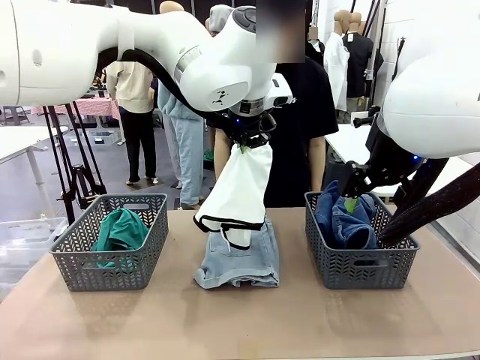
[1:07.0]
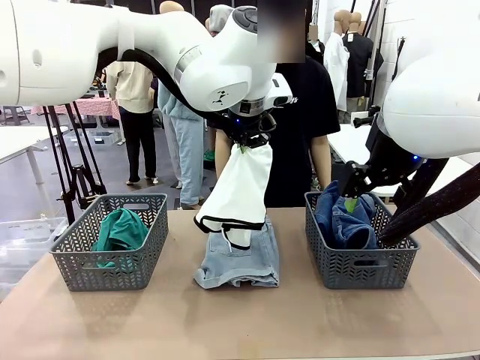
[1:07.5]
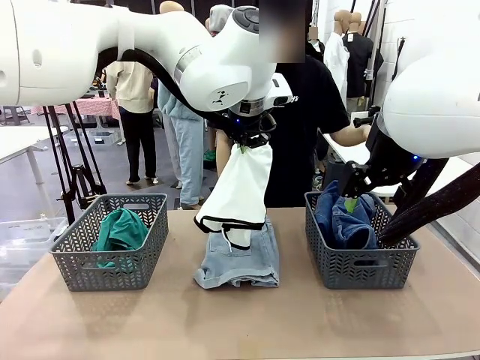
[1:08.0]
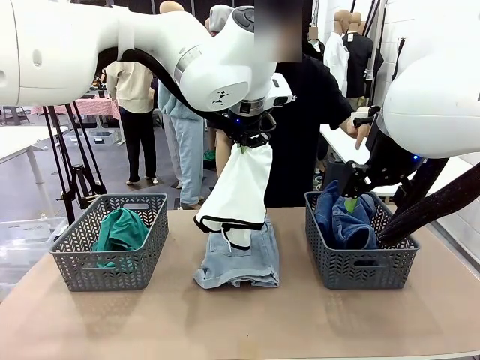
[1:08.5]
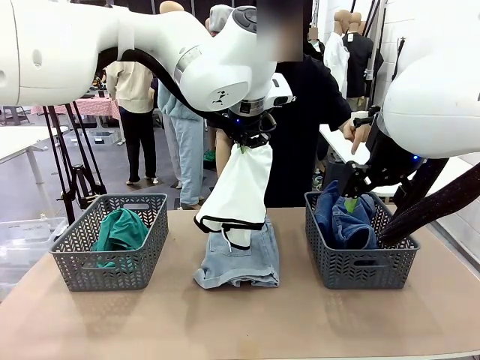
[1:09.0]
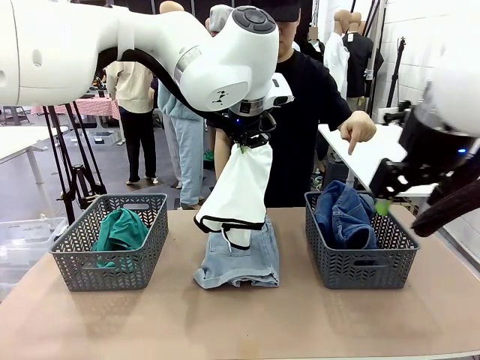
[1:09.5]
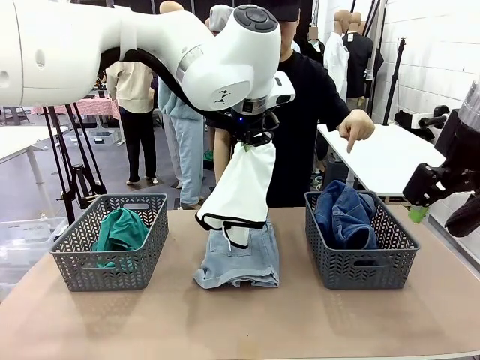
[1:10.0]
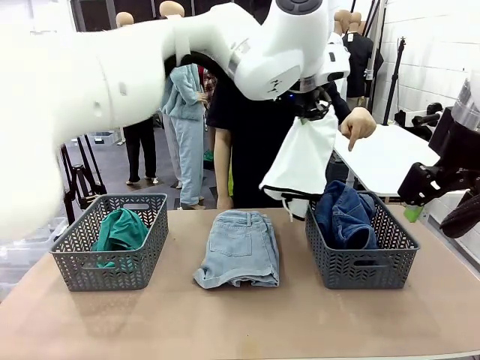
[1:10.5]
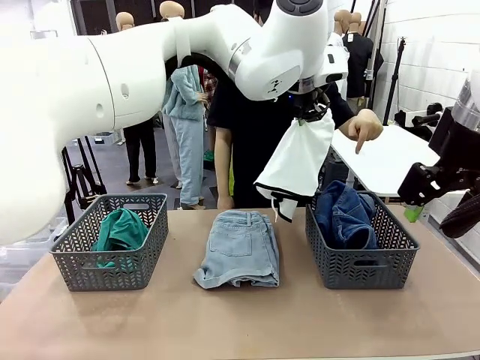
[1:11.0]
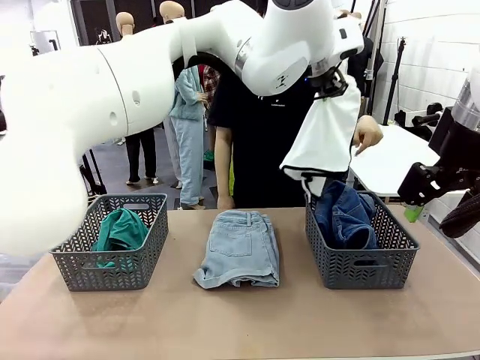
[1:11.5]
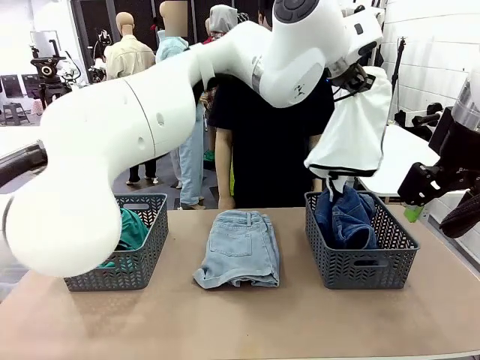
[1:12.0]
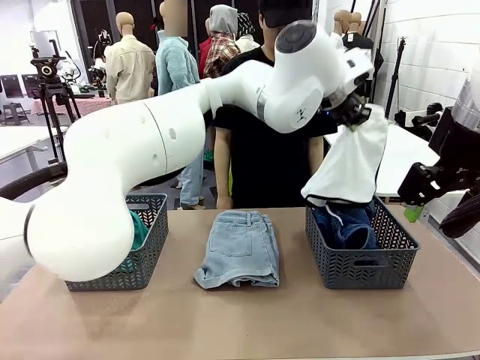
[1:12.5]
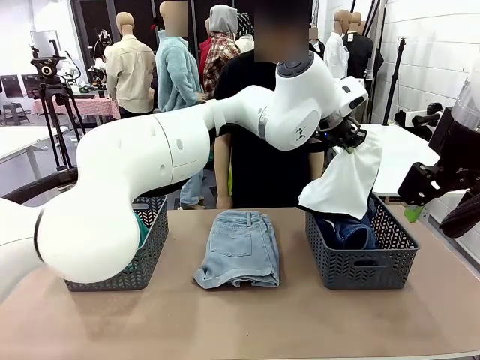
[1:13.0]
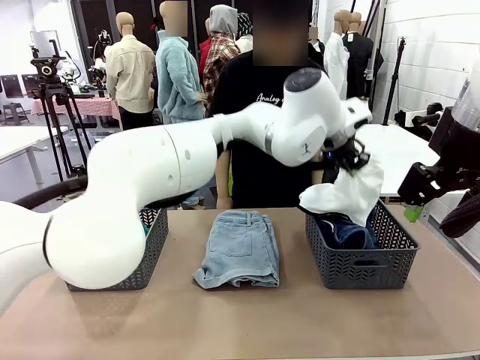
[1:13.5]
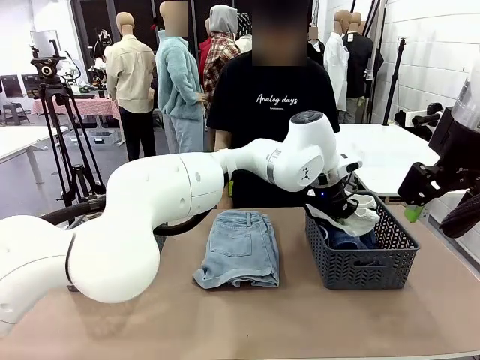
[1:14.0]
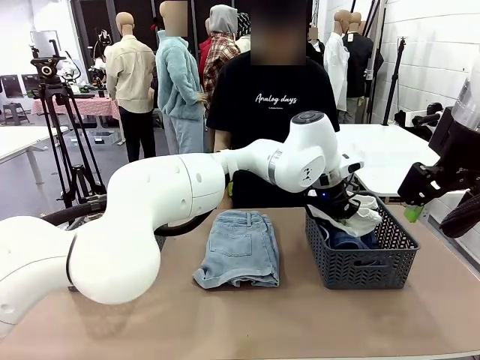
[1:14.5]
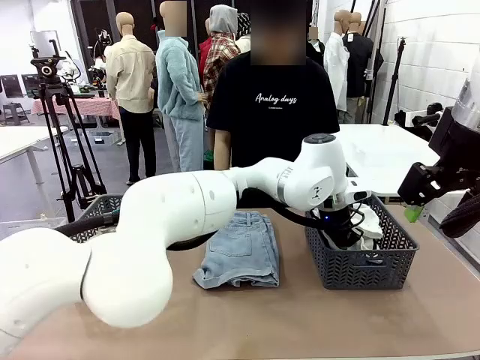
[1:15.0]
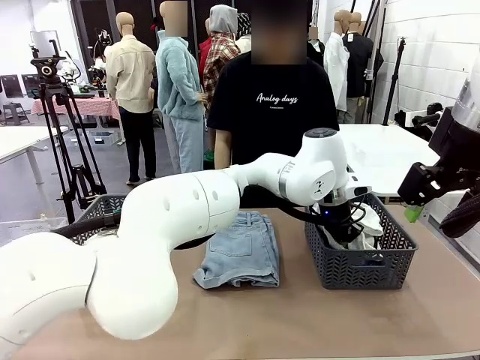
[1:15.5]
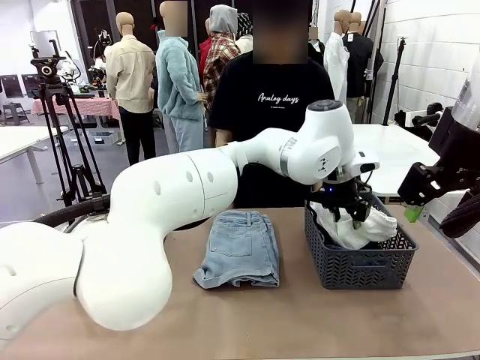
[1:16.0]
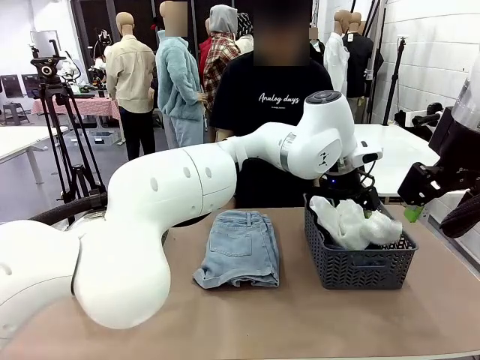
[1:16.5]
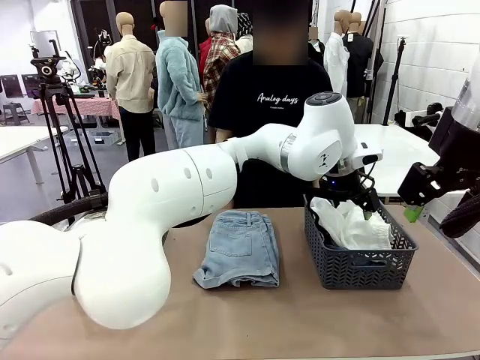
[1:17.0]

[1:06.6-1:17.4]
Task: Sort the tops and bottoms.
Robot: Sort the clothes according to human instructions.

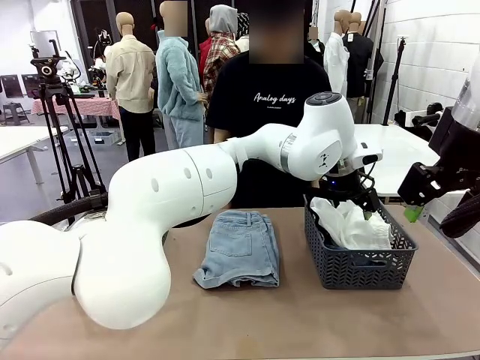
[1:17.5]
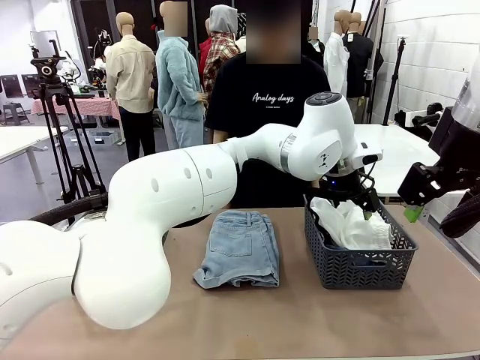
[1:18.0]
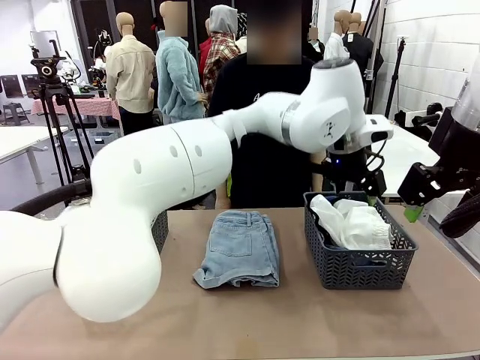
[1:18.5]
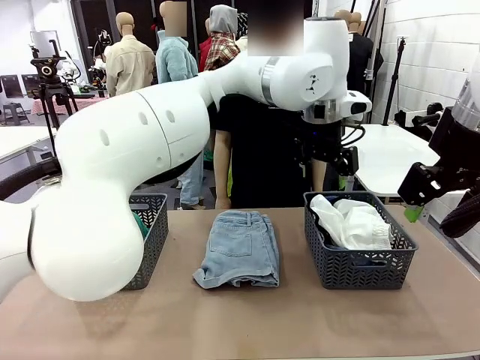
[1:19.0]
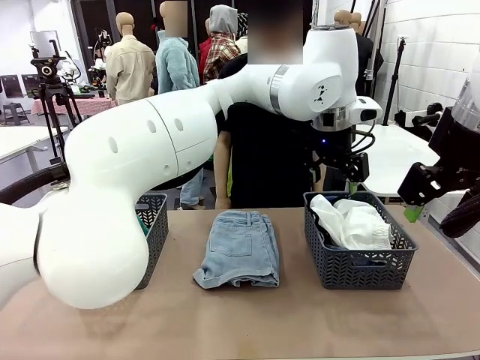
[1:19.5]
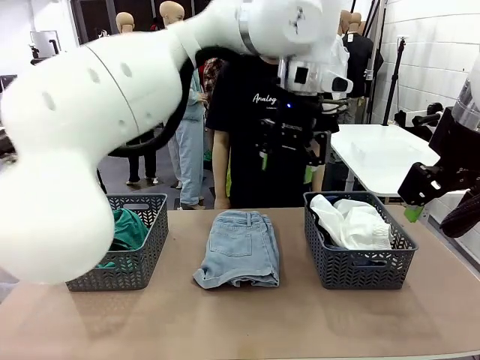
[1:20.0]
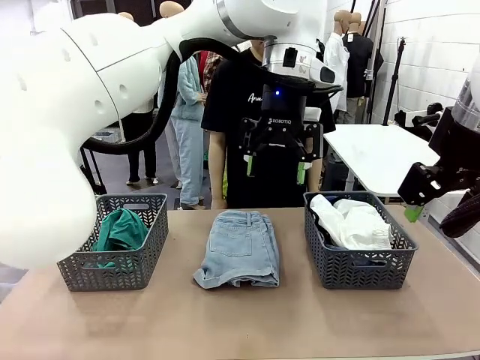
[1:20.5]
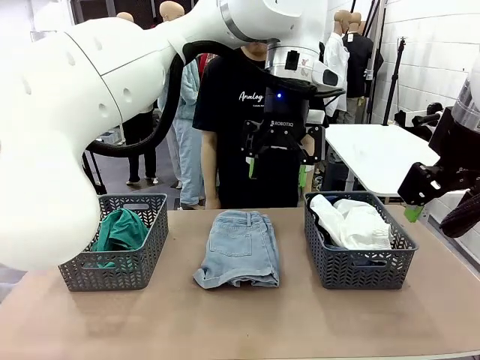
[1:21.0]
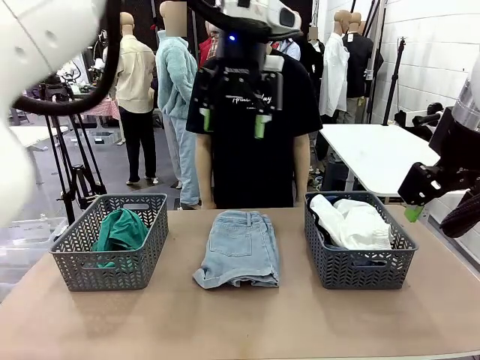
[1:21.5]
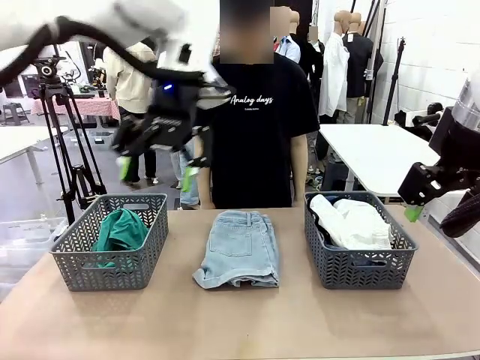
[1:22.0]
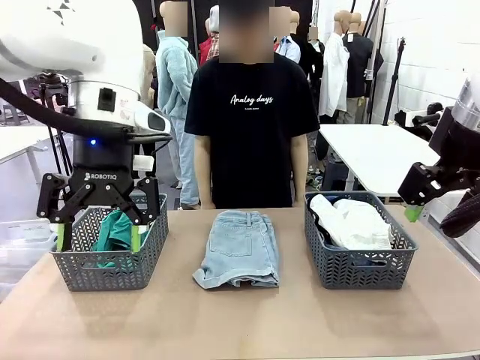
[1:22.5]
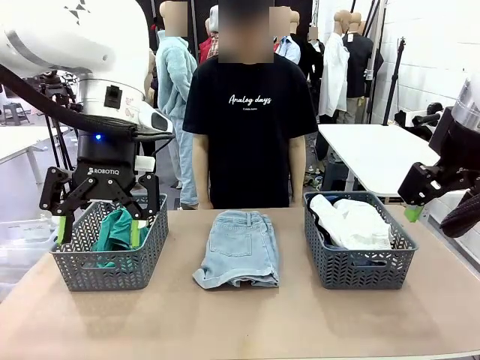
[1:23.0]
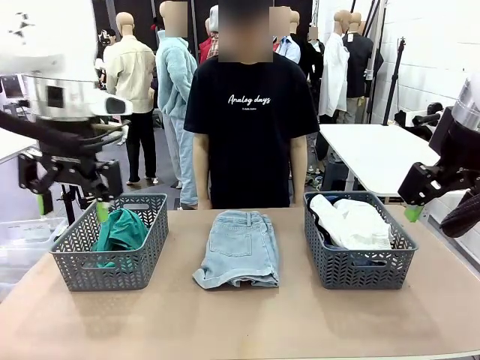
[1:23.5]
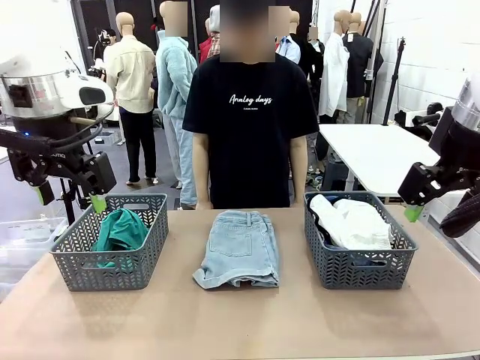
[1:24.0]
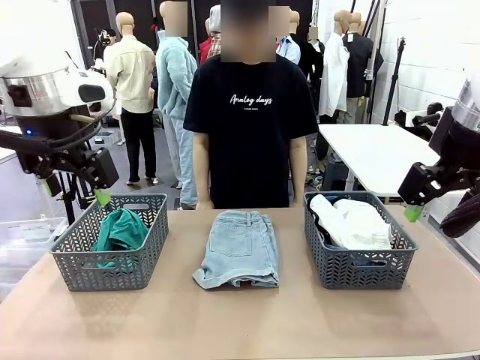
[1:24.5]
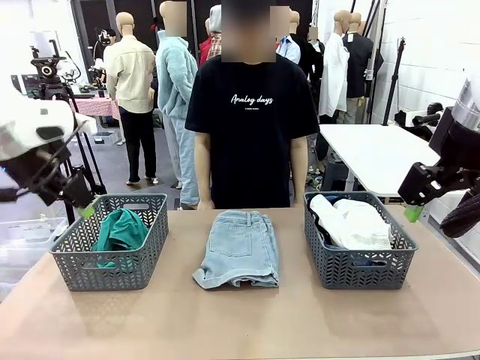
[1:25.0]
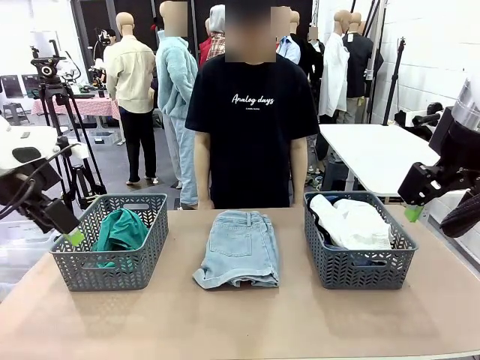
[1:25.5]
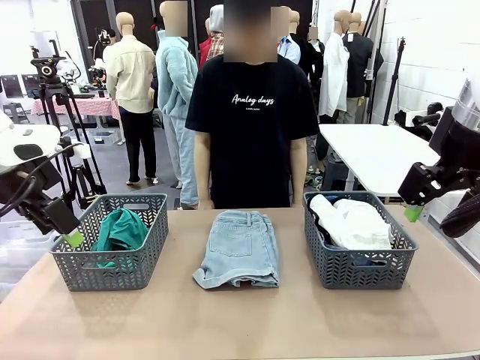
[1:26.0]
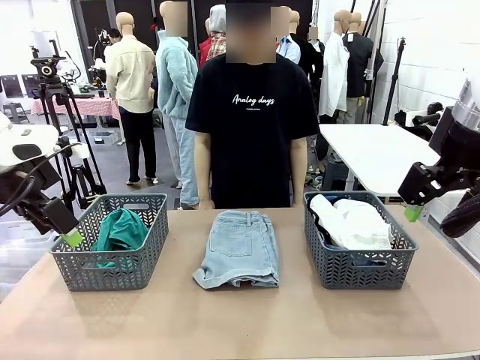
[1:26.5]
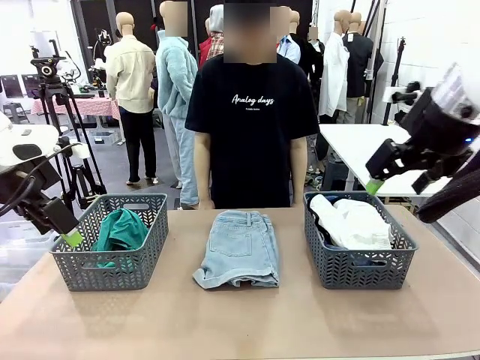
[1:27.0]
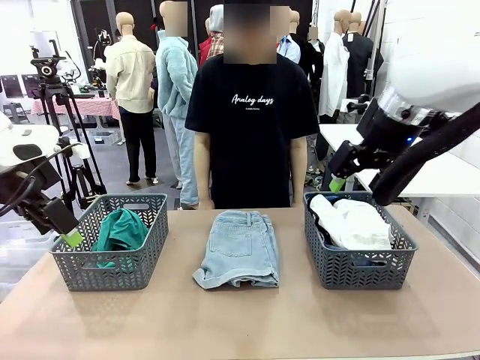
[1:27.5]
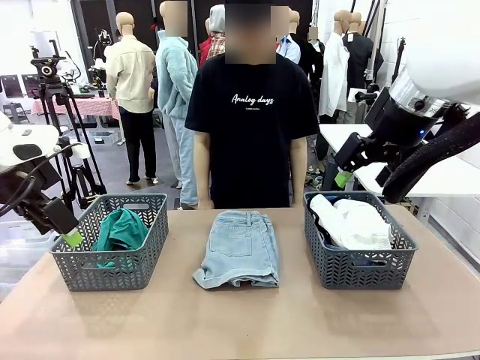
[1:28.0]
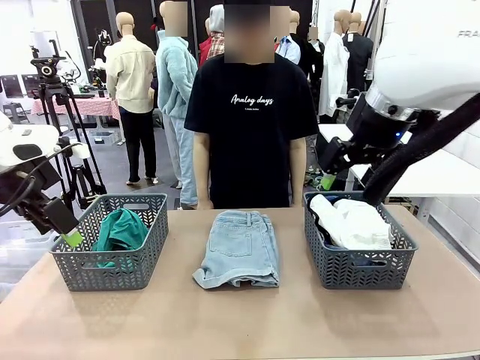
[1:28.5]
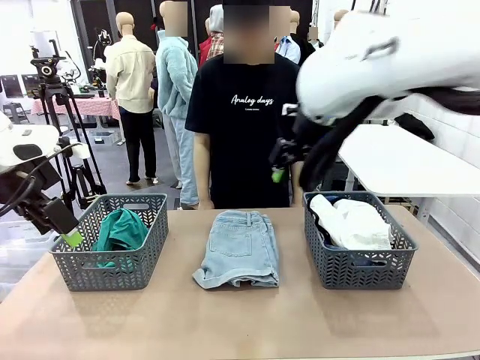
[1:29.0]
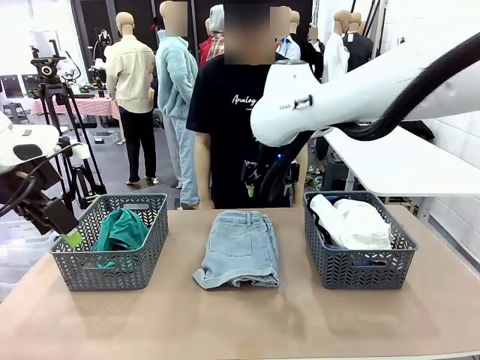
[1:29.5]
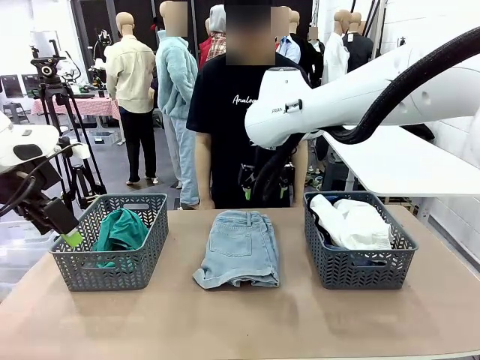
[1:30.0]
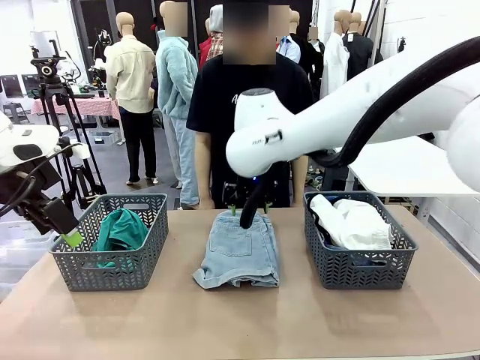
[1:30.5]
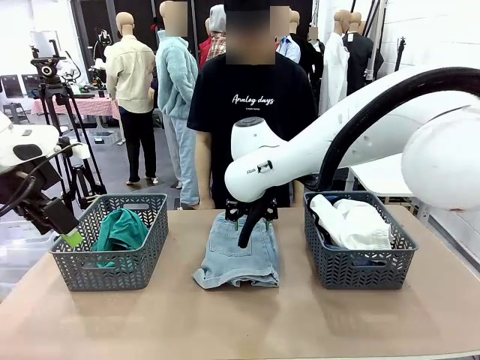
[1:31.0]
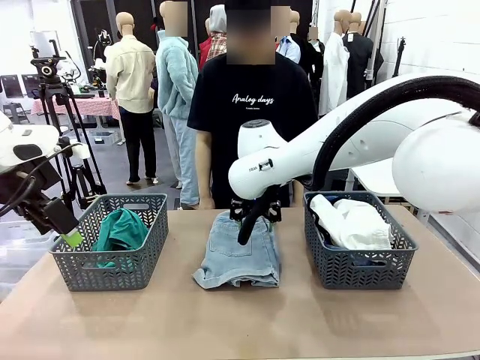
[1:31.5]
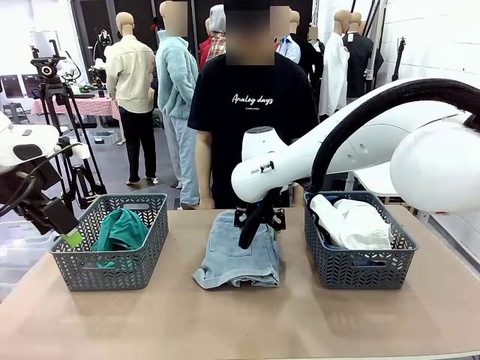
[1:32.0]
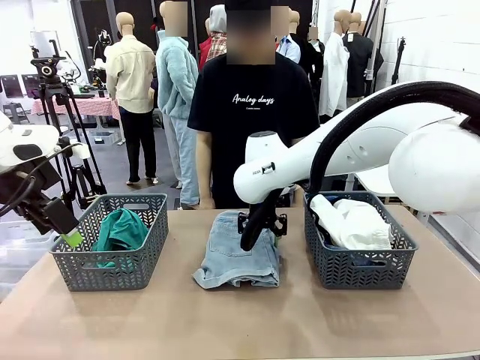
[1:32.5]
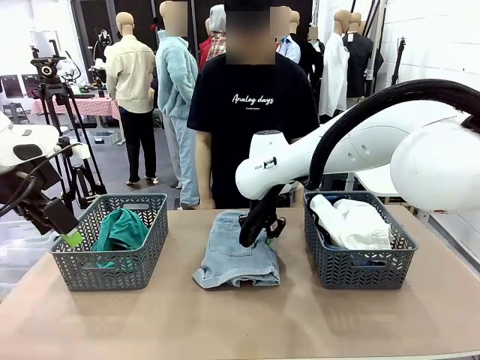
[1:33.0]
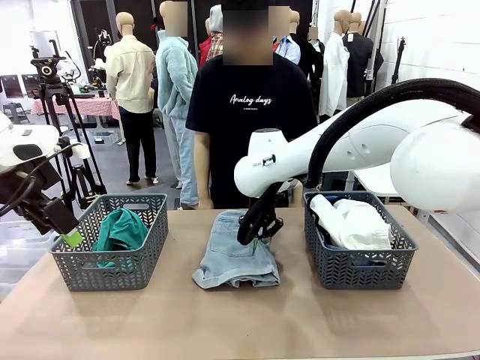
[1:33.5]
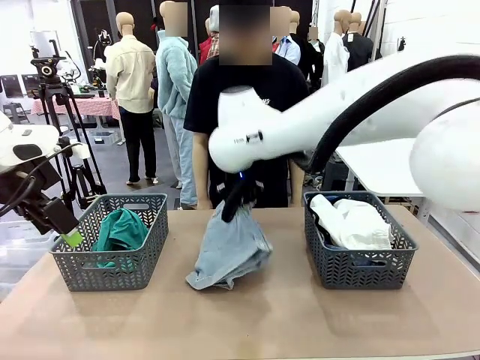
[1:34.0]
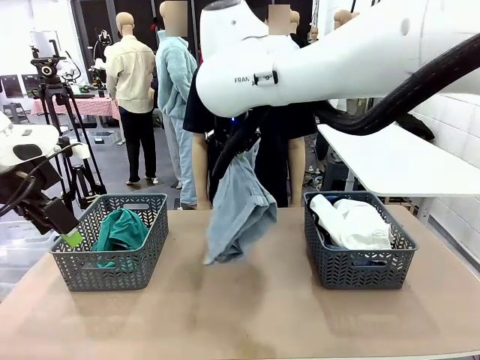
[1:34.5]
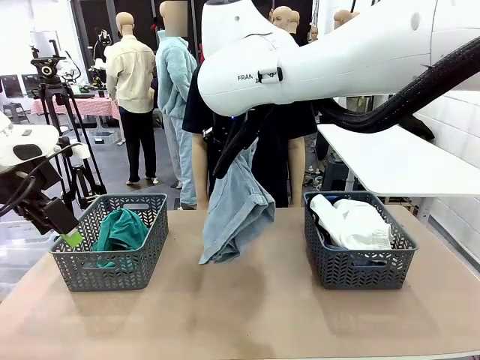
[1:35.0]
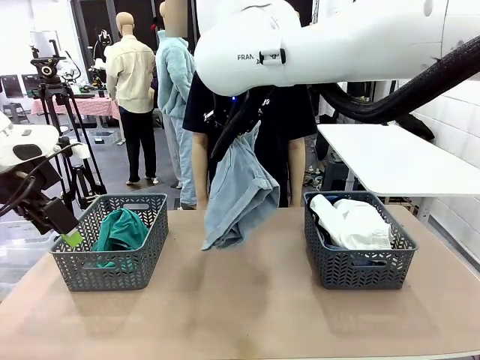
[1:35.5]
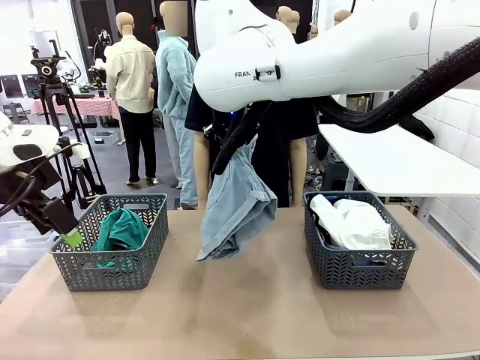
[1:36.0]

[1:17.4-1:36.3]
Robot: Lift clothes from the center of the table with your right hand.
